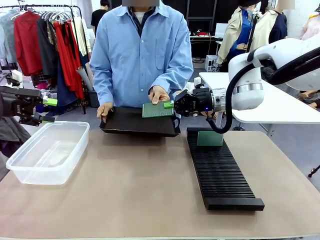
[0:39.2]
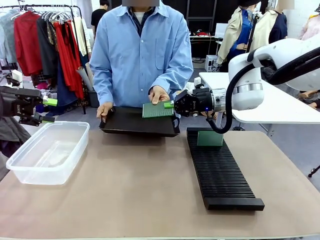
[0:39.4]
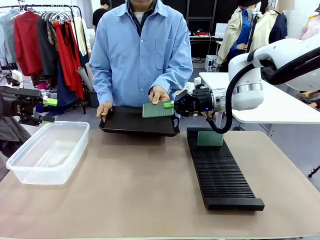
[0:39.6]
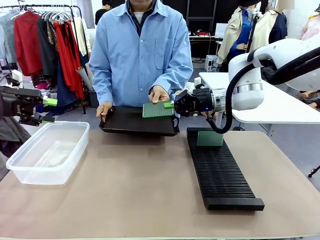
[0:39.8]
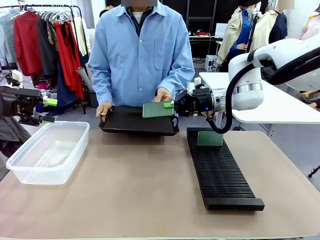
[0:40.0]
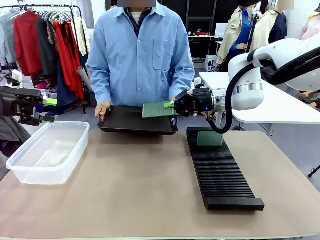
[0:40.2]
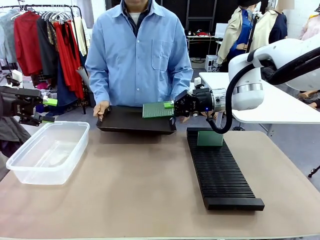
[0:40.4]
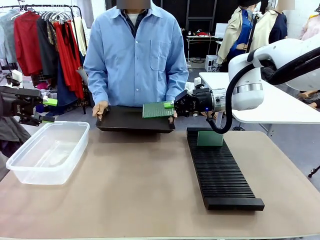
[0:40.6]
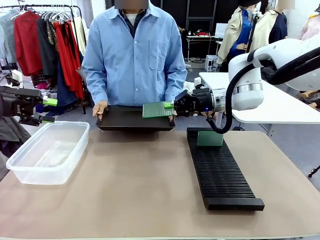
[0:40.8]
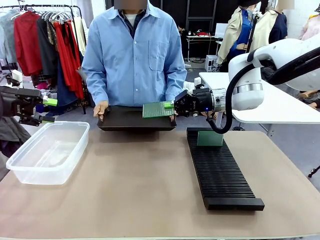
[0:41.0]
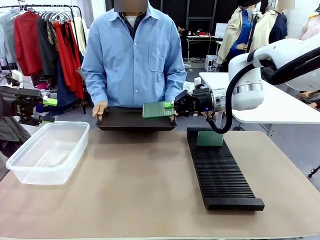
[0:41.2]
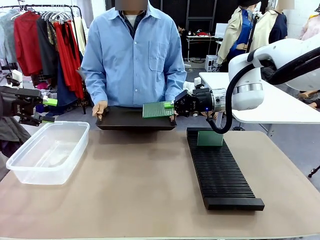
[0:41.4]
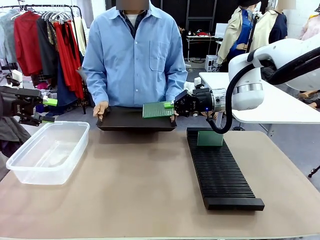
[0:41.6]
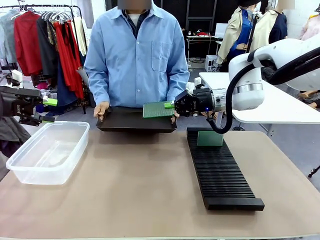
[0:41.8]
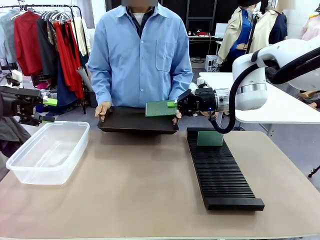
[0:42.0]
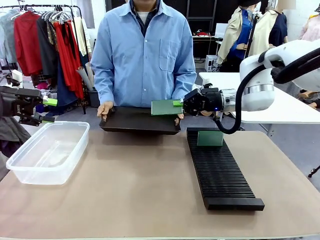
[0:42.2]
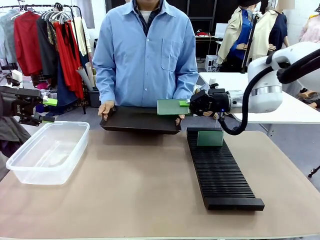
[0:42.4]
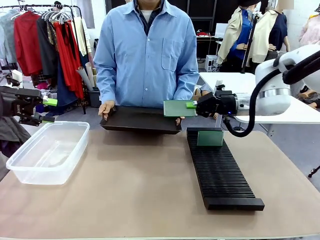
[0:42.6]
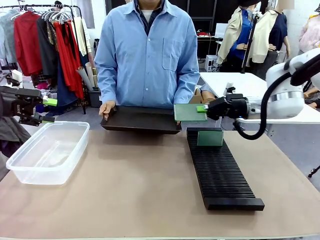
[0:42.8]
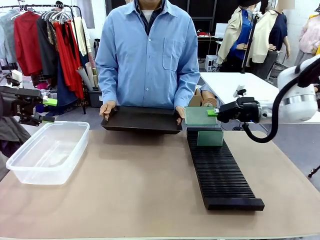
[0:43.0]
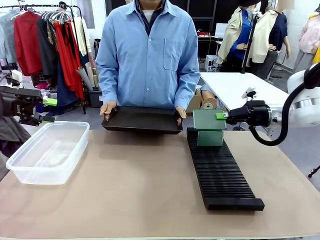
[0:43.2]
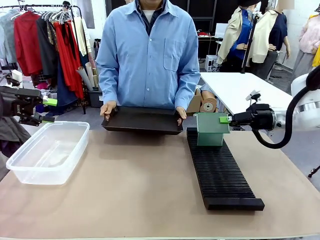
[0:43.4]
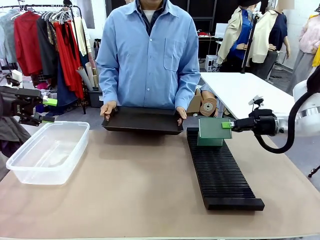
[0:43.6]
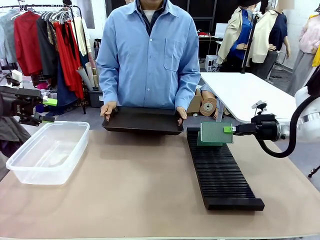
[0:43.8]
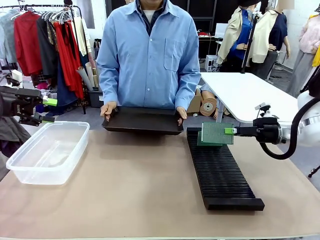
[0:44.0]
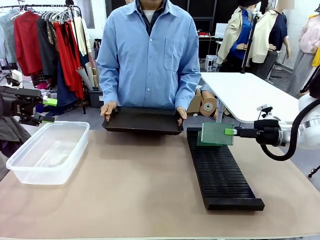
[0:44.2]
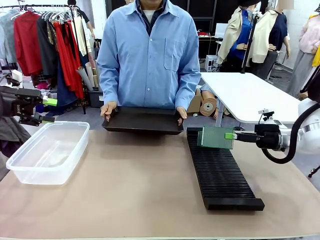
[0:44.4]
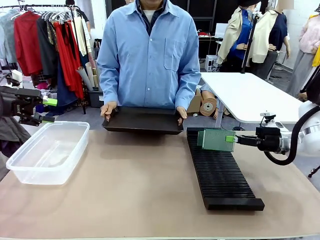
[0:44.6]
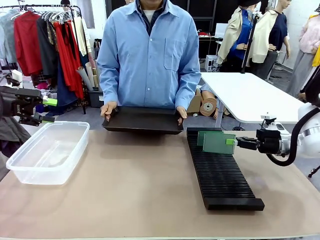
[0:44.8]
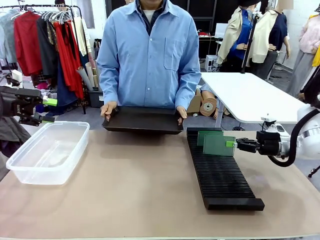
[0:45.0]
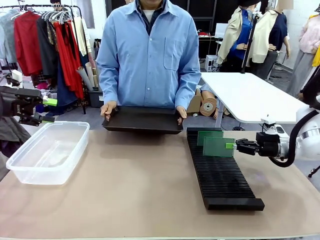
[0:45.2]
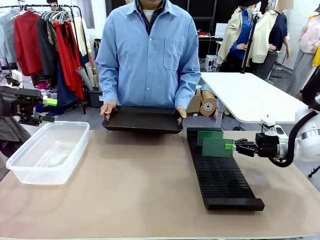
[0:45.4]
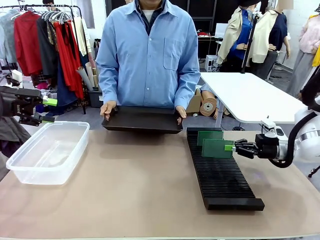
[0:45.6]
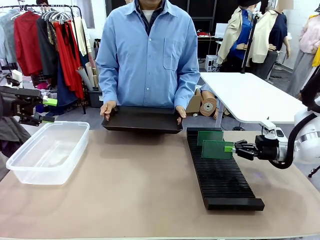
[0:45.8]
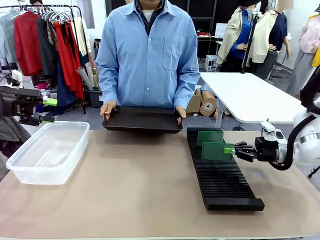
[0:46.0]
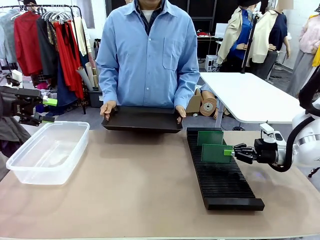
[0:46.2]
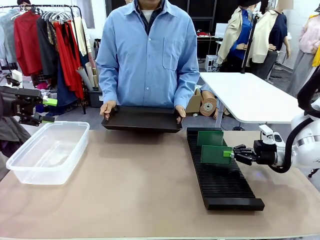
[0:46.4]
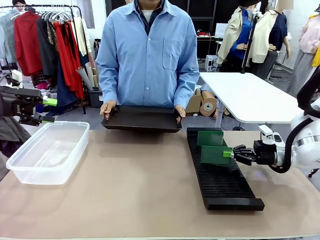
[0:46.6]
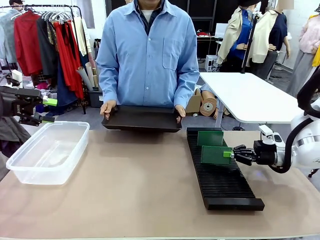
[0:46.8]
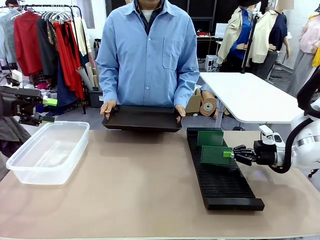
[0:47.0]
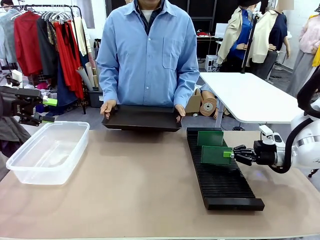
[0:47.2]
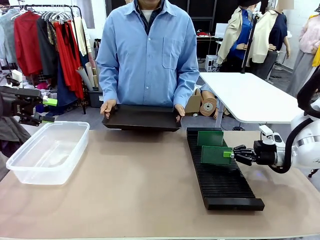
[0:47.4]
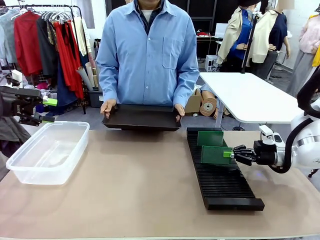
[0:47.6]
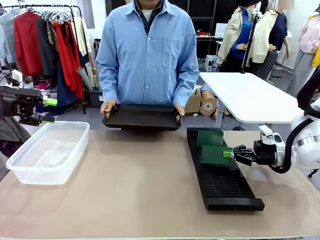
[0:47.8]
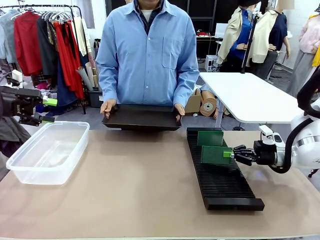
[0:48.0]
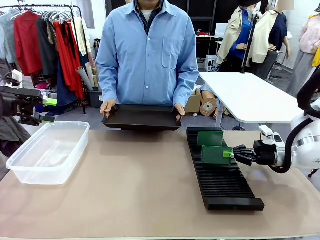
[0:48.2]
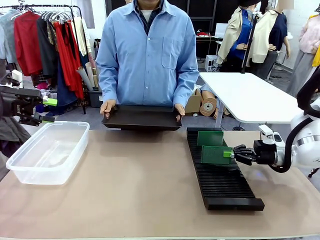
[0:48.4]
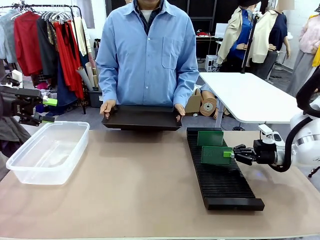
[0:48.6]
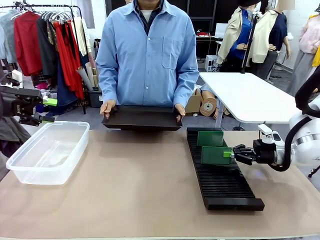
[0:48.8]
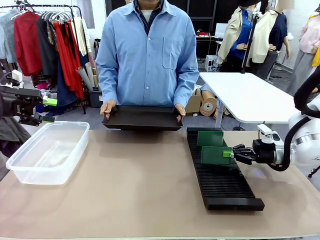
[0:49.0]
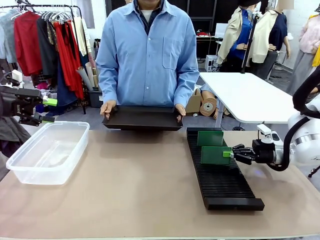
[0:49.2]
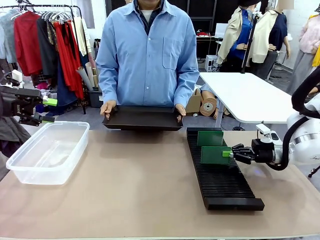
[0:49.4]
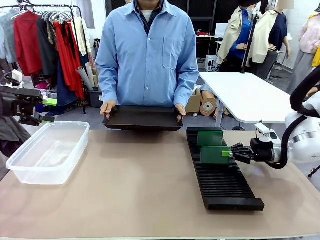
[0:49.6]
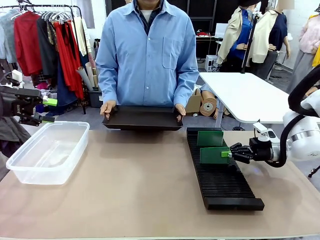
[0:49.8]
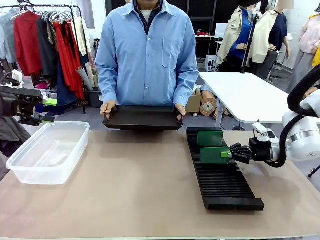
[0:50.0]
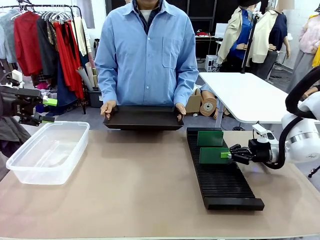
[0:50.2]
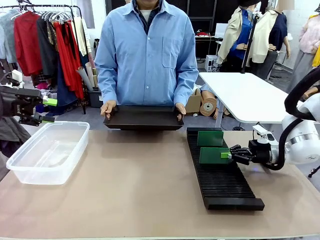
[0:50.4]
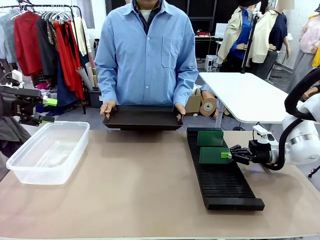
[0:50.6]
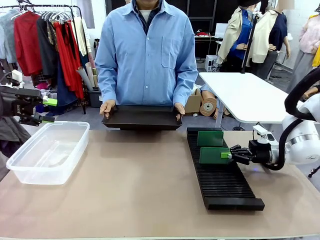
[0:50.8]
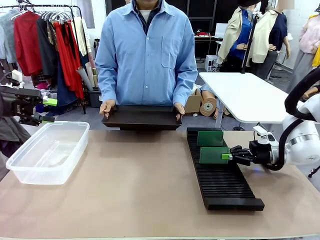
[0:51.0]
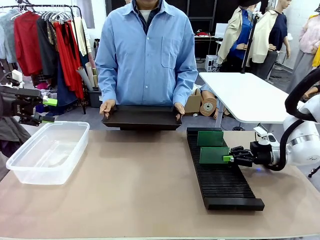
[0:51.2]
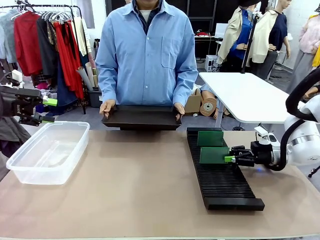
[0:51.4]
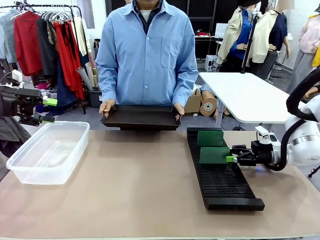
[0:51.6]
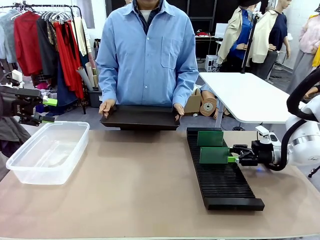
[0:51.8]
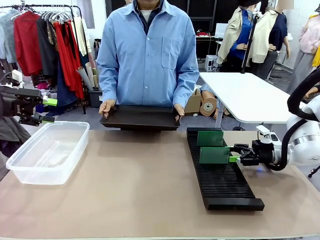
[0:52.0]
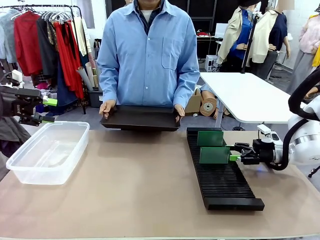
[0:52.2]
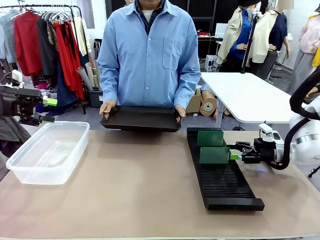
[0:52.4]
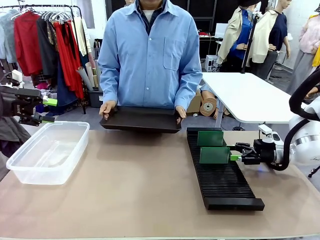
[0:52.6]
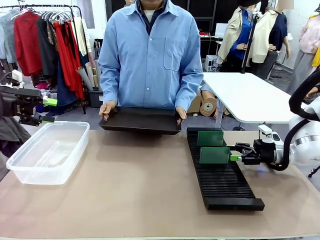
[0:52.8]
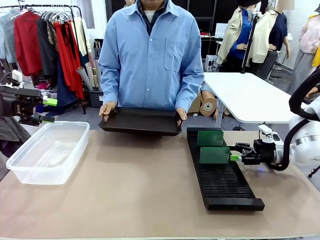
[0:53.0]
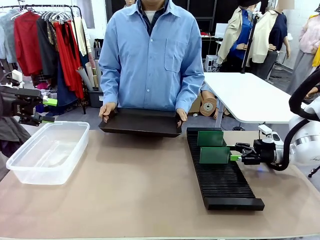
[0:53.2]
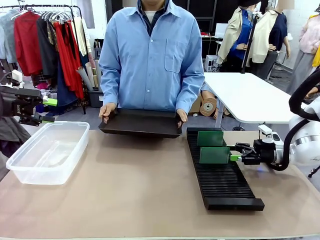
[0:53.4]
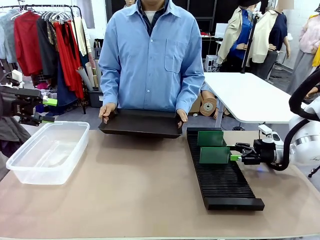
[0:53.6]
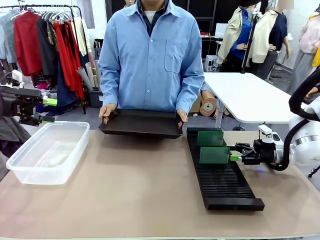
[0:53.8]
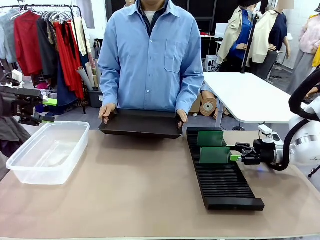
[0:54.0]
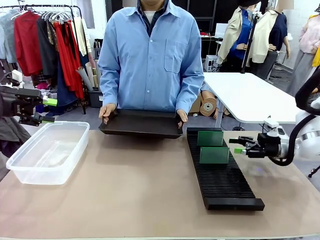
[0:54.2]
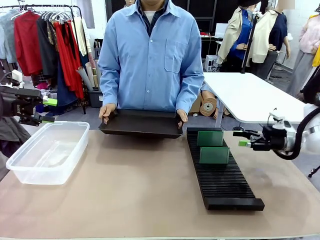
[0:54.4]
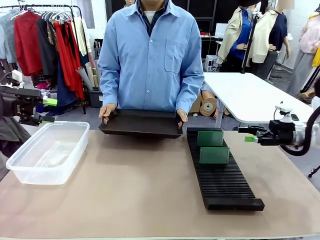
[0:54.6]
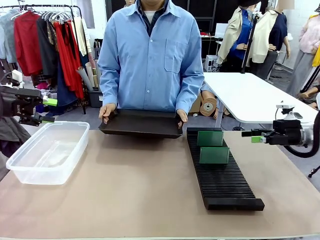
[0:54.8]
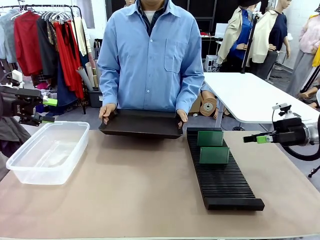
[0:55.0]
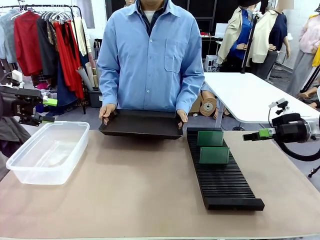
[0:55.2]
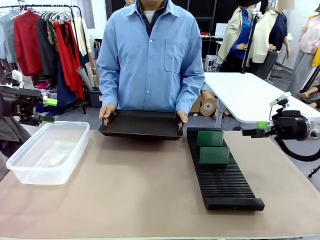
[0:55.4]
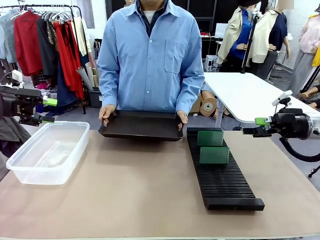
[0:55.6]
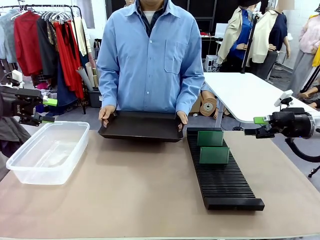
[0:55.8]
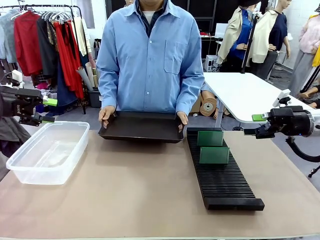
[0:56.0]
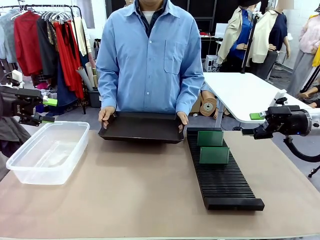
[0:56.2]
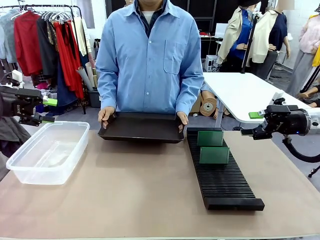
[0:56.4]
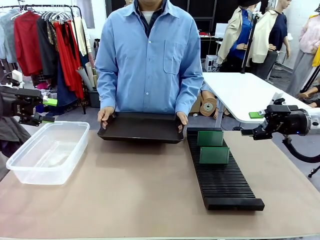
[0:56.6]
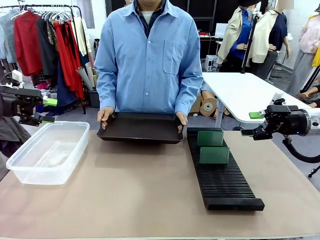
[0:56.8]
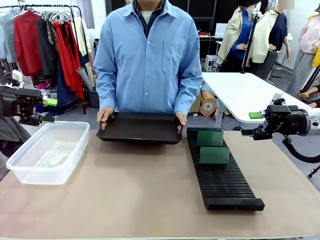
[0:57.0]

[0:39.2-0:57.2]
Task: Sort PCBs into racks and boxes based on the side picked up.
Robot: If the short side of the Blank PCB is picked up, insert it into the PCB Rack ; if the long side is picked up, place it in the Organizing box.
Person: Release the PCB being held.

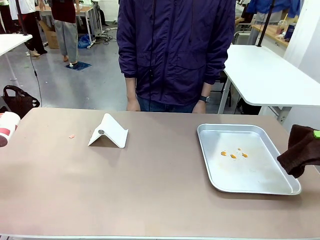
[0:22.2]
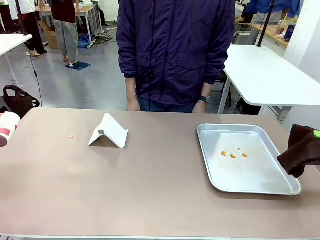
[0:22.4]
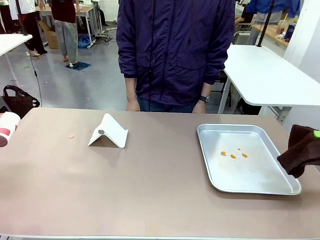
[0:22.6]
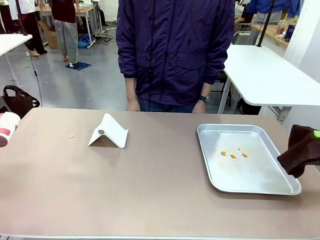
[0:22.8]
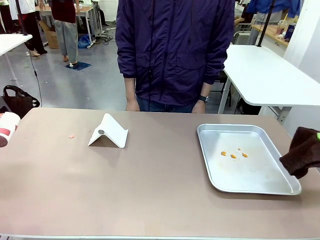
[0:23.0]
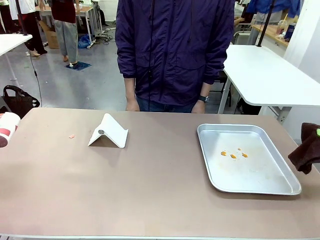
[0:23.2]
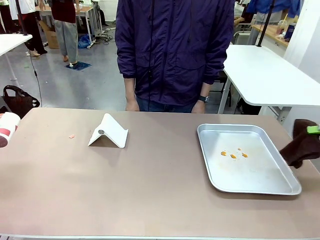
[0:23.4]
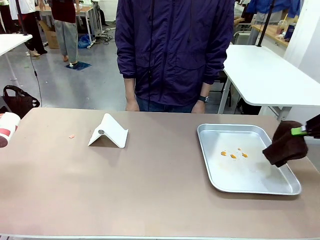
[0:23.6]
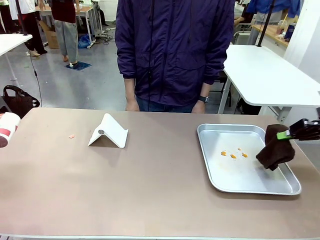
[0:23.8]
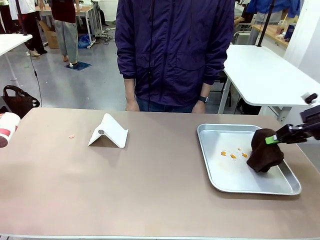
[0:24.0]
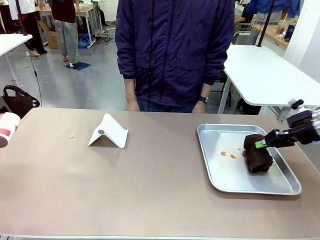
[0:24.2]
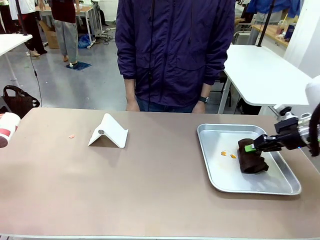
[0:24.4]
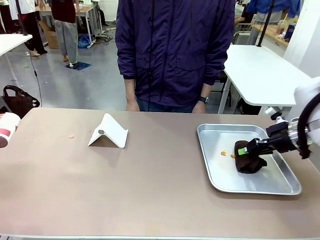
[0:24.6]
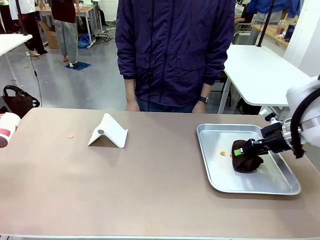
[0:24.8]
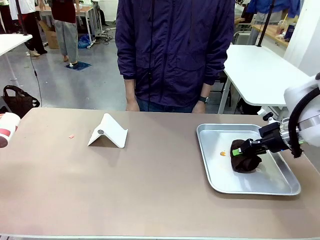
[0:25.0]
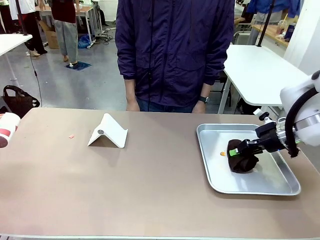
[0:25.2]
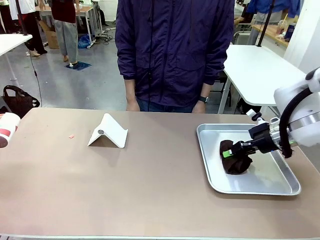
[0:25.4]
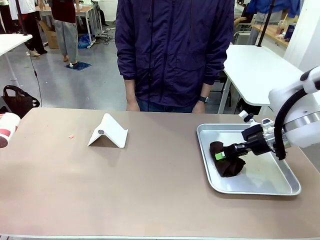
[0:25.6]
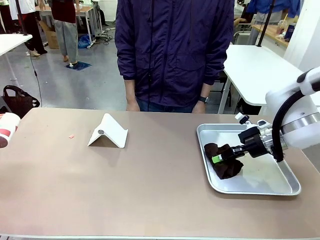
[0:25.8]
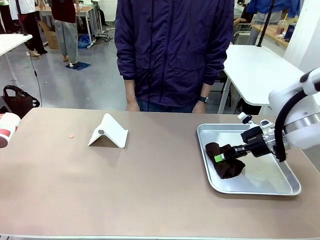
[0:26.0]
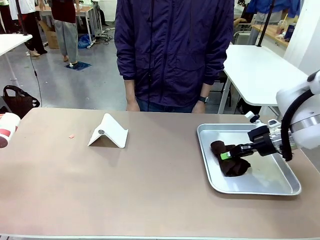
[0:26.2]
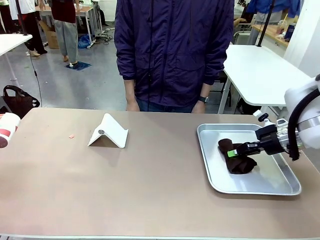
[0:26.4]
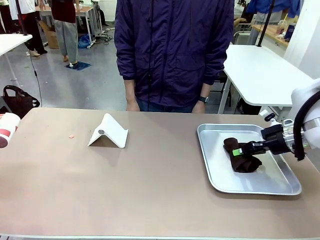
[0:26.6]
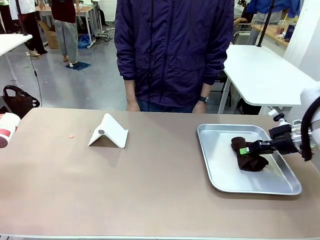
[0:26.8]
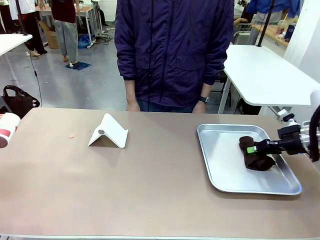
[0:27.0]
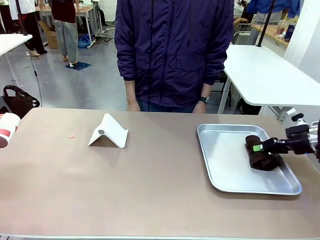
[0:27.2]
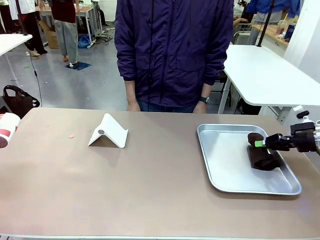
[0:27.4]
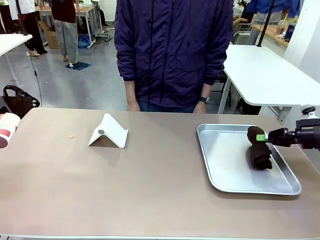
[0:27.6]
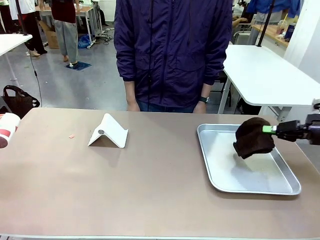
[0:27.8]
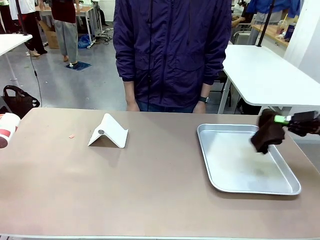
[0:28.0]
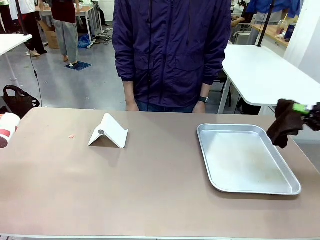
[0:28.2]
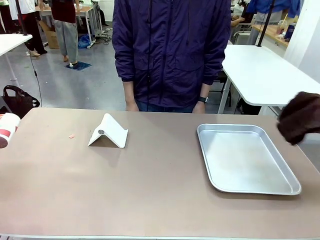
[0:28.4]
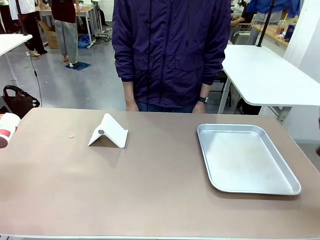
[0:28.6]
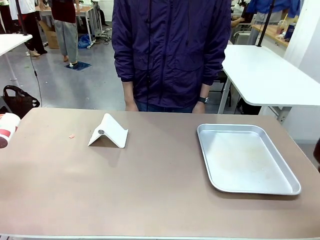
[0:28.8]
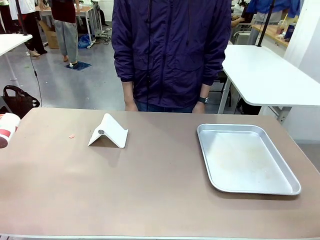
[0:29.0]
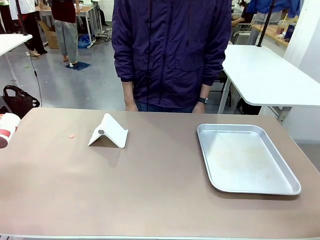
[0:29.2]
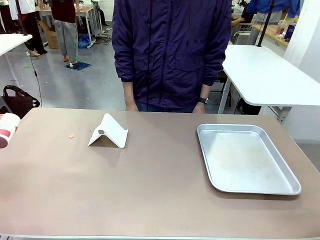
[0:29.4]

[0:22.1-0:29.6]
Task: Clean the surface of the table.
Robot: Clean the area not pointed to by the person.
